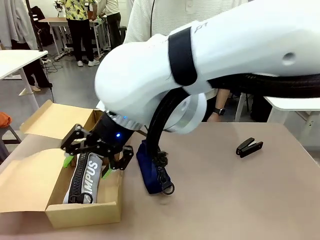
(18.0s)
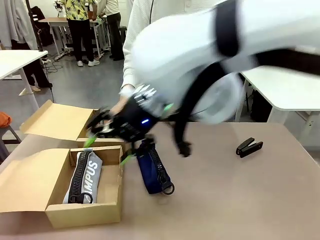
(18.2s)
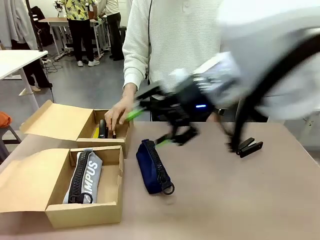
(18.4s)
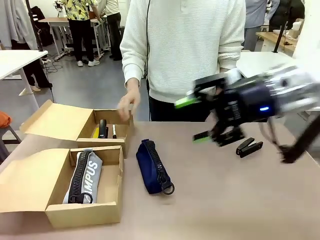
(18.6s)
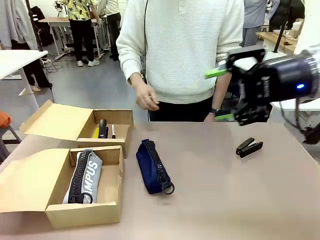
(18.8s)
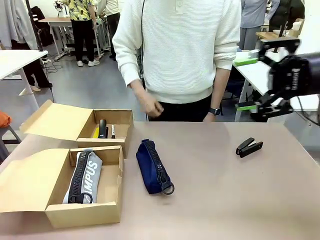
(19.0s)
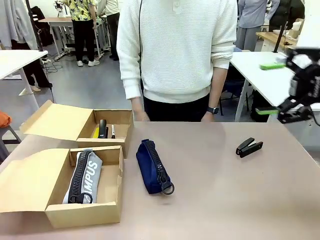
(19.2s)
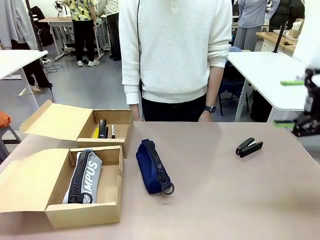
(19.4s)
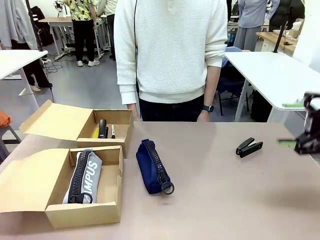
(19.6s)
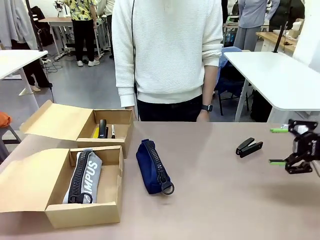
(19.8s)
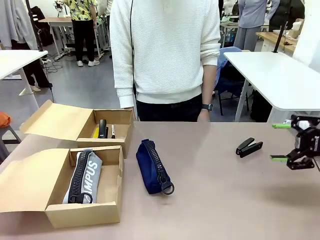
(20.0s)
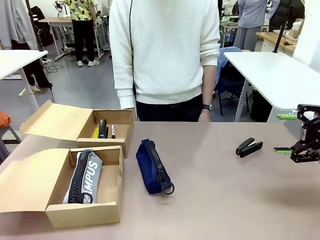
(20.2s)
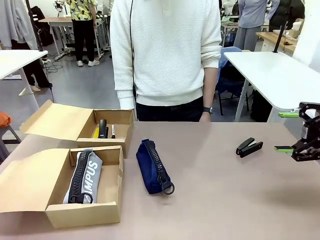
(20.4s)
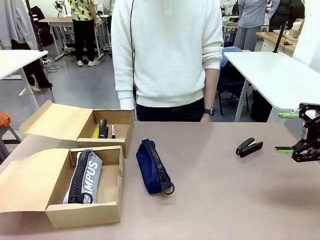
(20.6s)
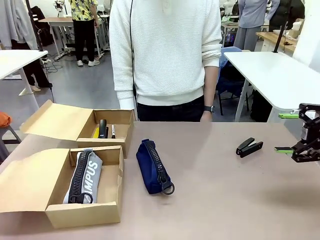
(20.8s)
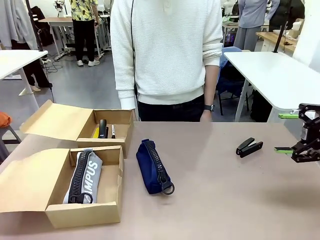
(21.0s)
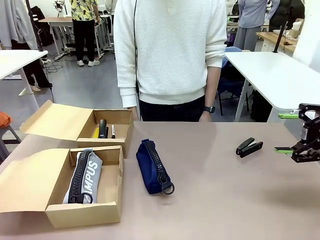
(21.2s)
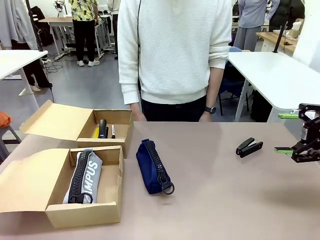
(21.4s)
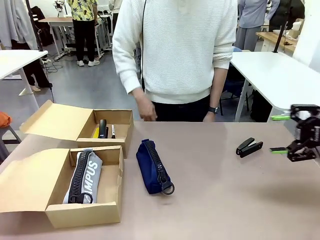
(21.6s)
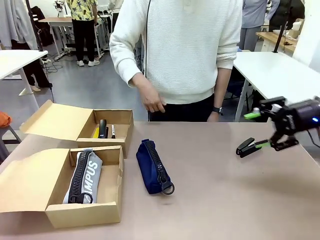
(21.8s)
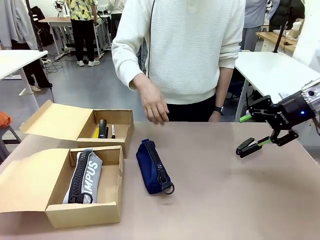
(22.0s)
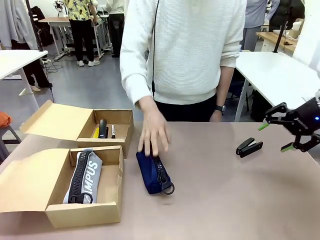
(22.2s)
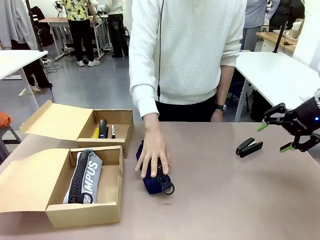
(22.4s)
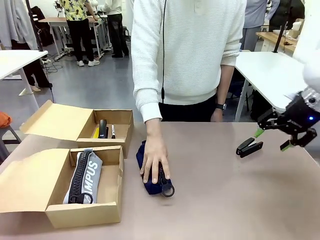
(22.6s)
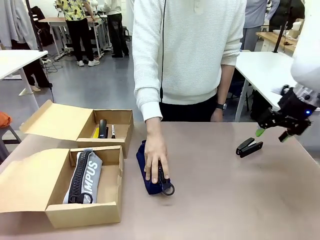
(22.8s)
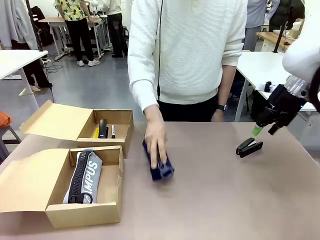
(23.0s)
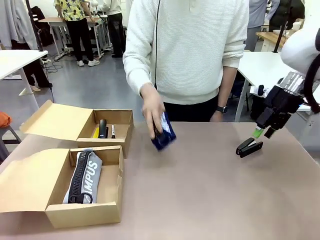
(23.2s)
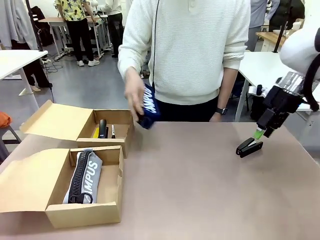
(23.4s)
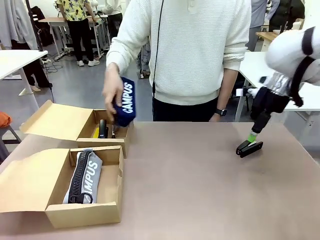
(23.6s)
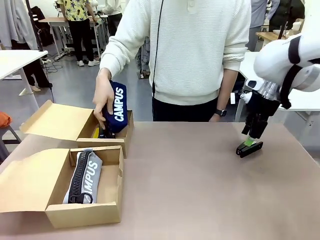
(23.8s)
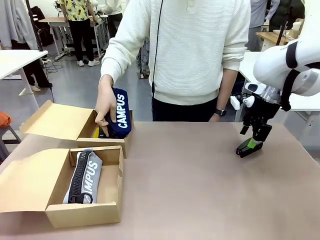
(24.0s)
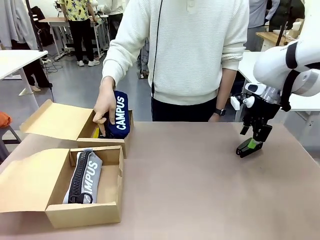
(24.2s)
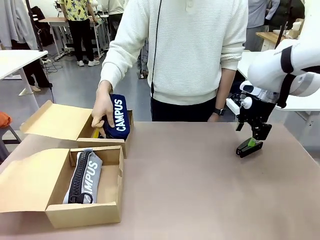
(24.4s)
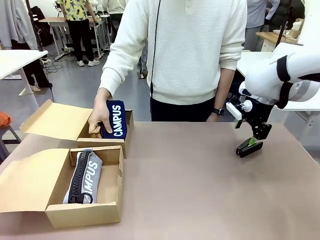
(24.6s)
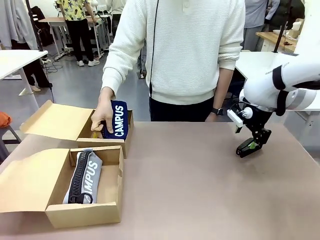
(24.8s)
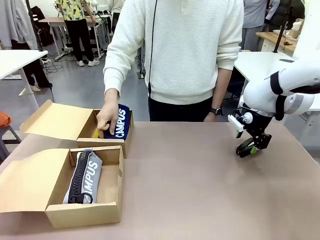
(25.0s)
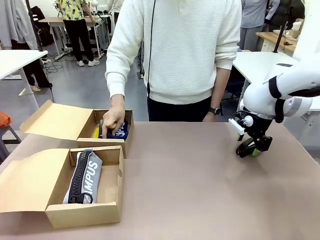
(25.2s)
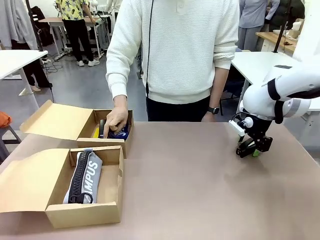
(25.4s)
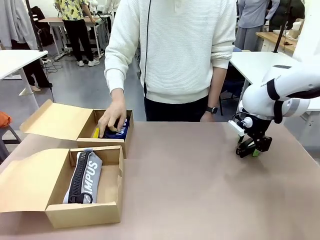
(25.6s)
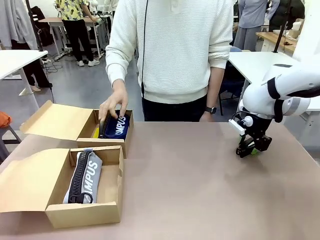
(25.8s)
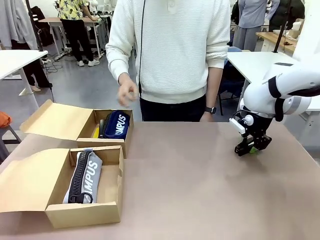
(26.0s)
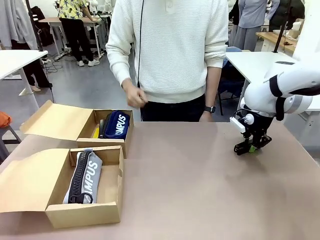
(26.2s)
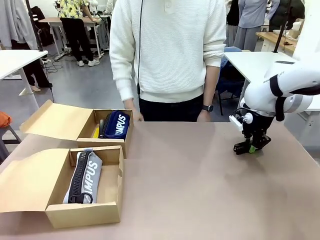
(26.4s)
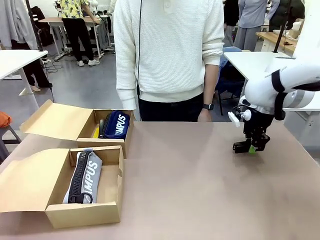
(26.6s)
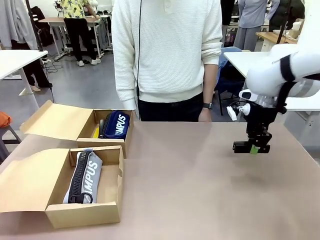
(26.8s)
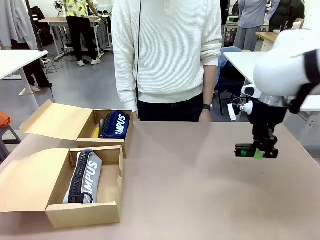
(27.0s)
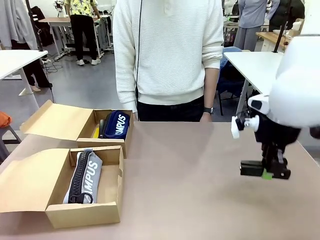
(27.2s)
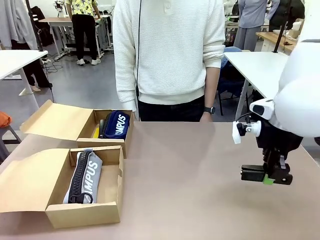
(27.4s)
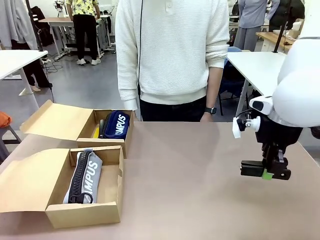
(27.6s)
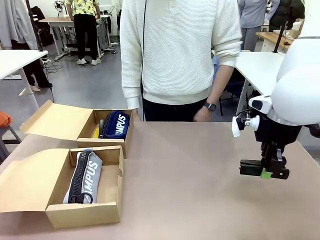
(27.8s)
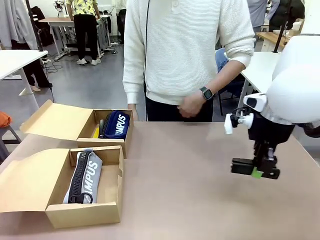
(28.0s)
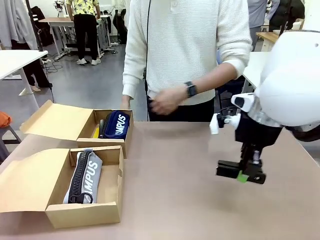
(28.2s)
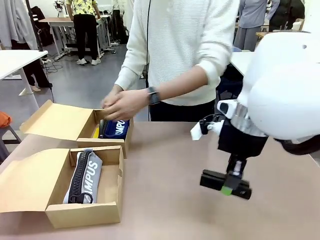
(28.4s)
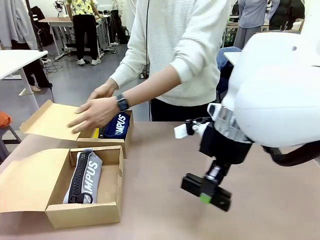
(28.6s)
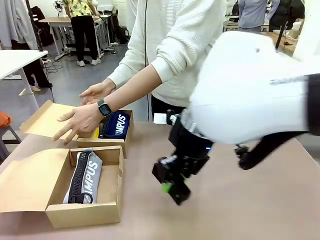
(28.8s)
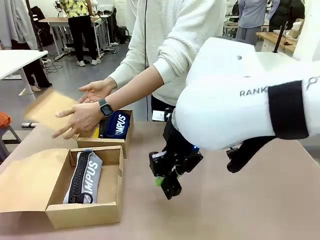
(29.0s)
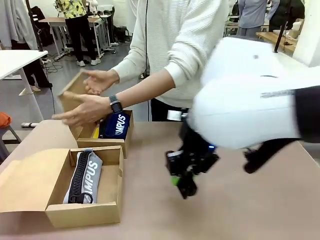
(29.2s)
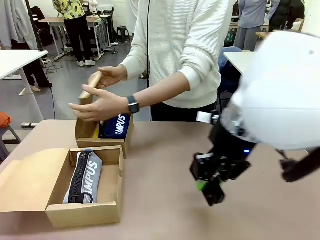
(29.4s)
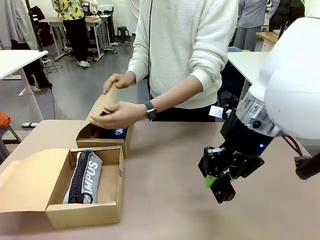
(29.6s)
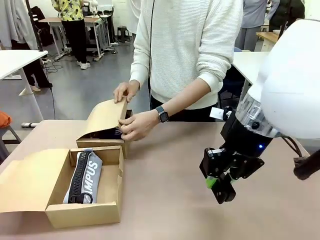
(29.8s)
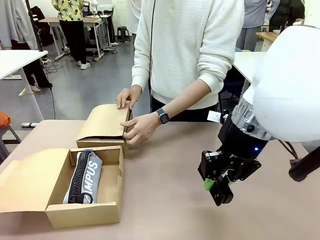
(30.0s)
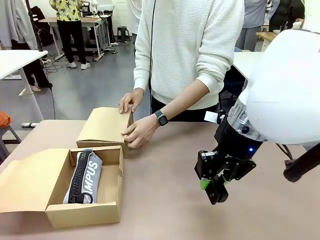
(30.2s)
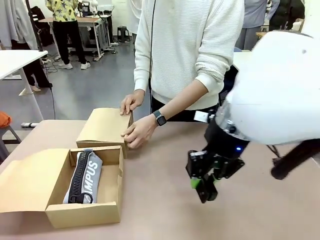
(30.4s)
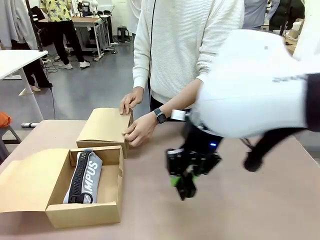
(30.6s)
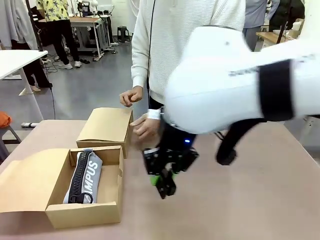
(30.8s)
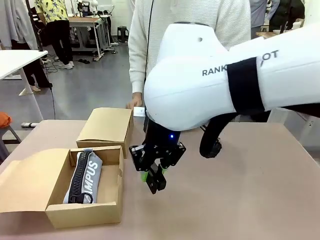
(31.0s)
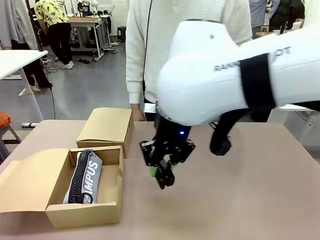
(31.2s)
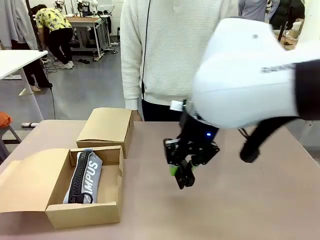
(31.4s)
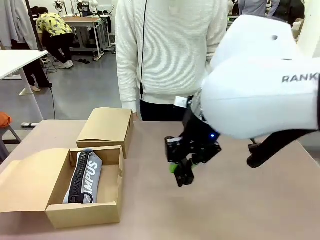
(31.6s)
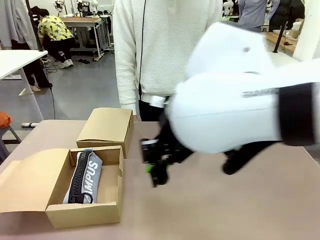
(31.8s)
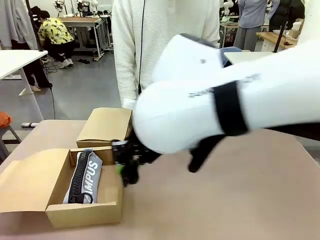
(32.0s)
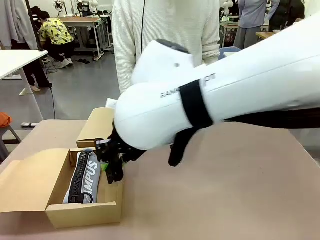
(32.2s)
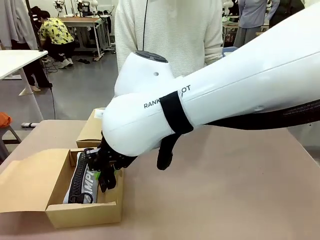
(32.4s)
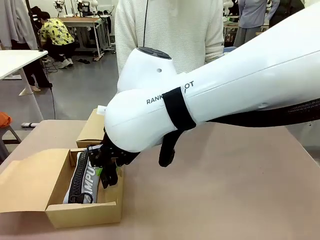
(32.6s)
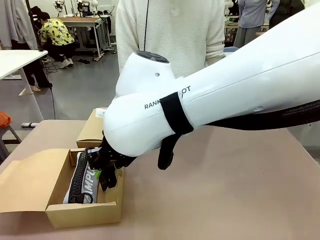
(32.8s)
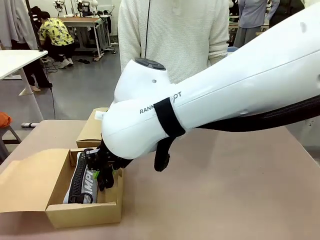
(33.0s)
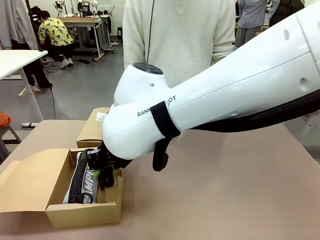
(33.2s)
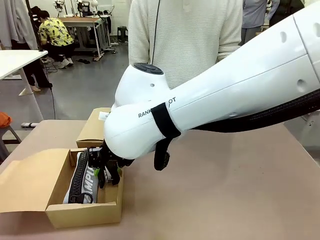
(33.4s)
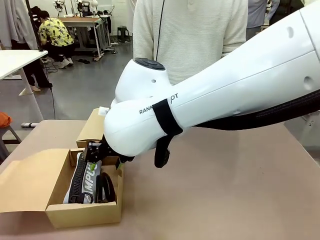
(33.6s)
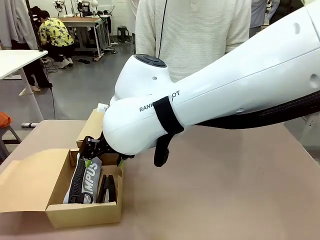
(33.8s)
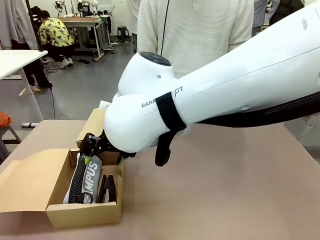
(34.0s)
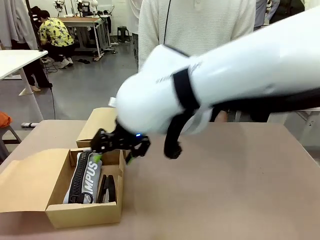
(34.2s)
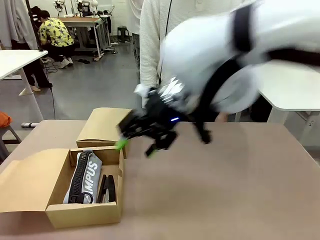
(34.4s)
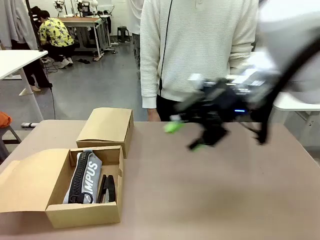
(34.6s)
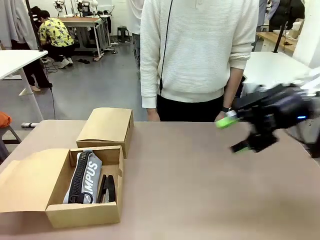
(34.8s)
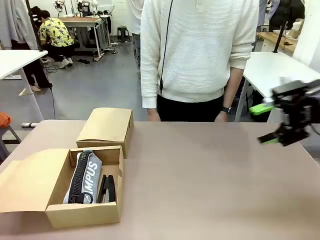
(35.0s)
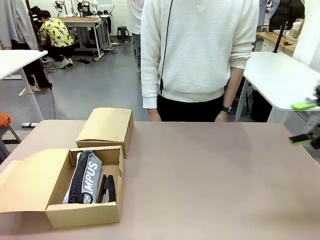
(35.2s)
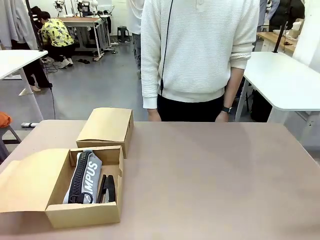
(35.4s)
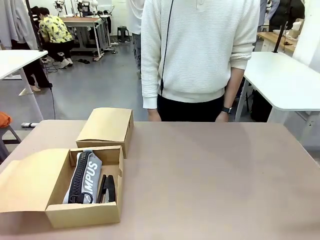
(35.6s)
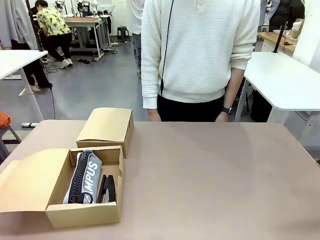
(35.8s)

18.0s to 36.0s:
Task: Place items inside the box.
Robot: Pick up a Pencil pouch or Stapler and place it inside the Mailer Box closest to the robot.

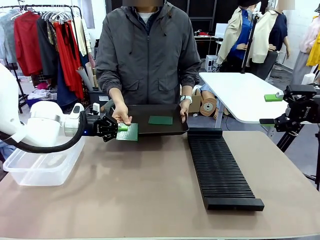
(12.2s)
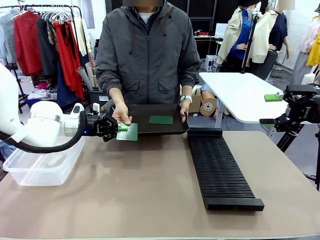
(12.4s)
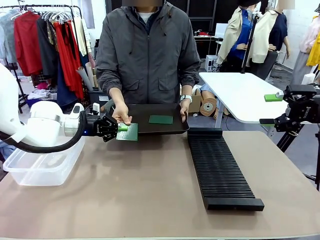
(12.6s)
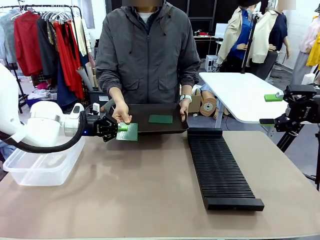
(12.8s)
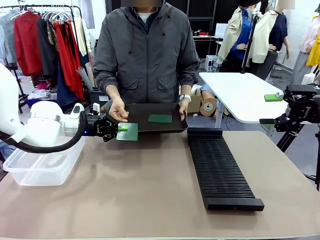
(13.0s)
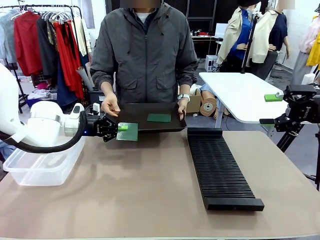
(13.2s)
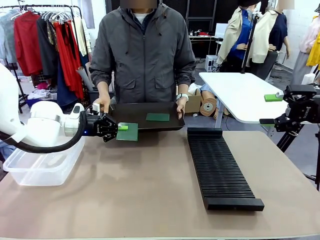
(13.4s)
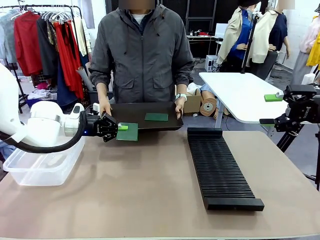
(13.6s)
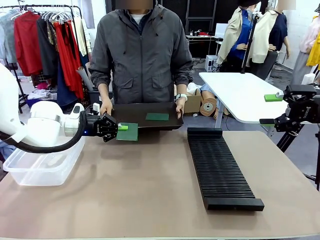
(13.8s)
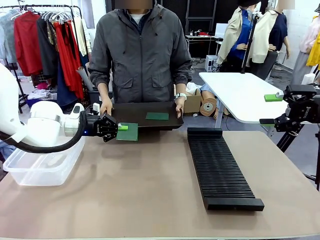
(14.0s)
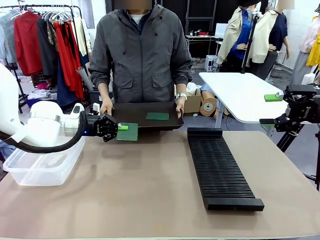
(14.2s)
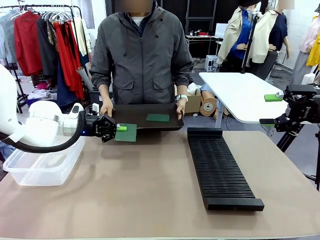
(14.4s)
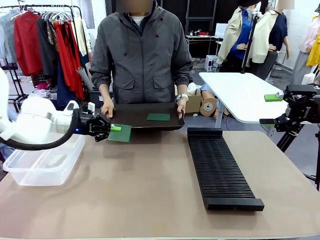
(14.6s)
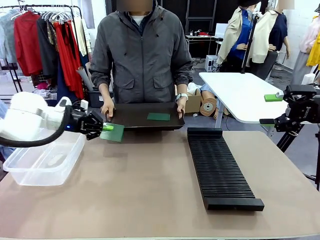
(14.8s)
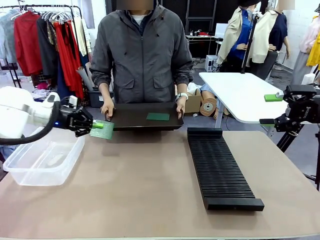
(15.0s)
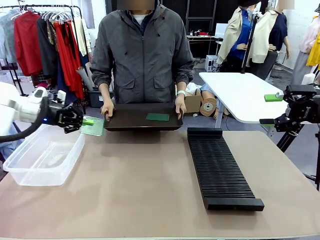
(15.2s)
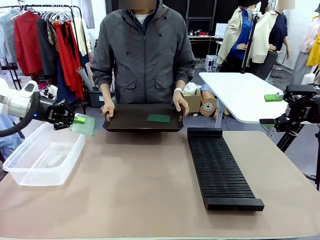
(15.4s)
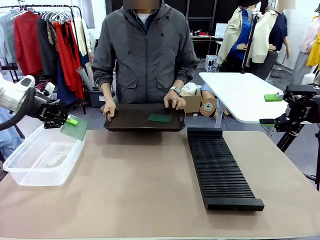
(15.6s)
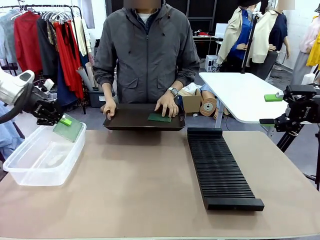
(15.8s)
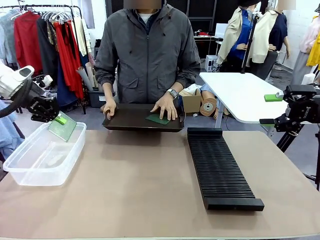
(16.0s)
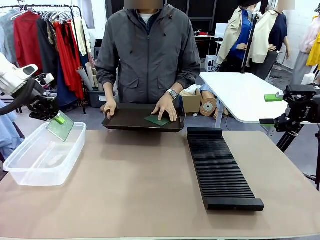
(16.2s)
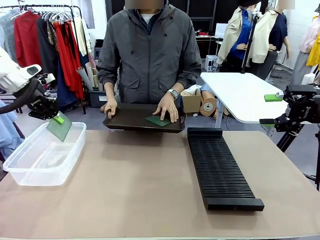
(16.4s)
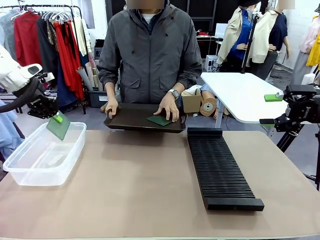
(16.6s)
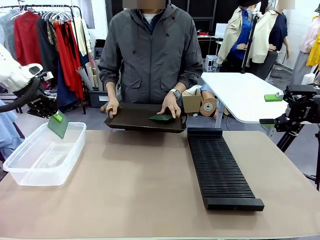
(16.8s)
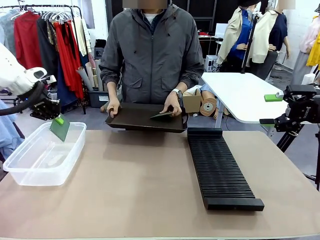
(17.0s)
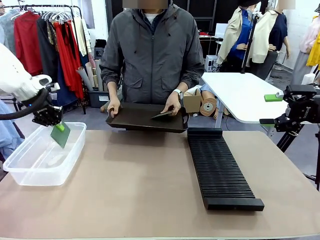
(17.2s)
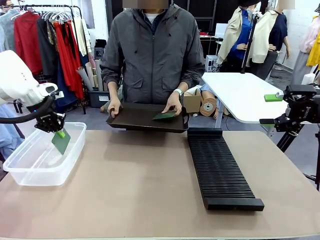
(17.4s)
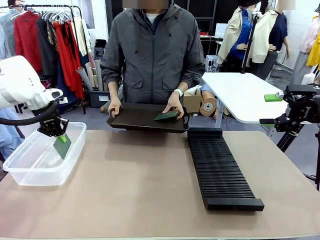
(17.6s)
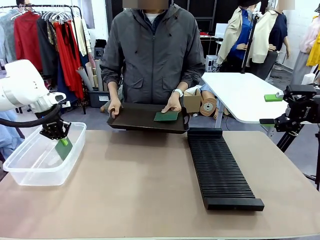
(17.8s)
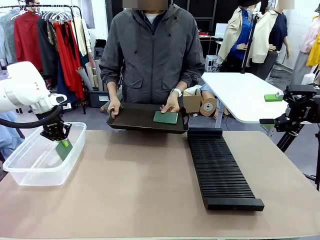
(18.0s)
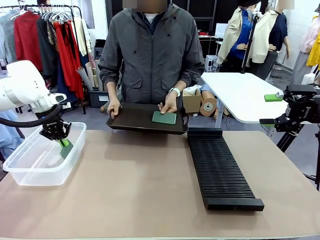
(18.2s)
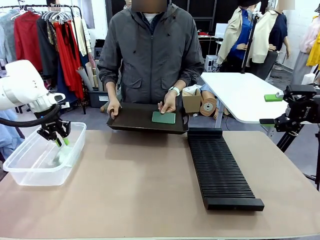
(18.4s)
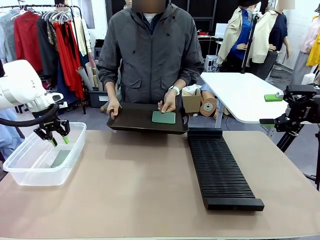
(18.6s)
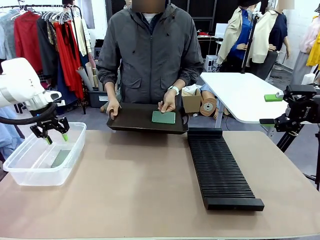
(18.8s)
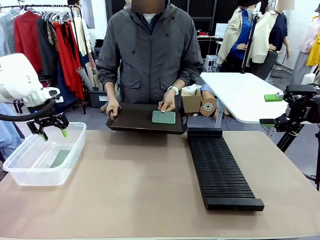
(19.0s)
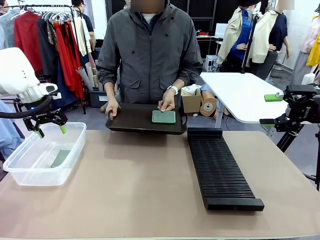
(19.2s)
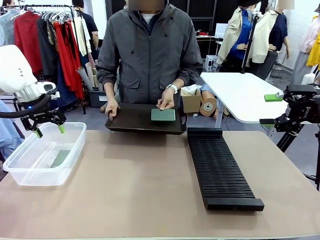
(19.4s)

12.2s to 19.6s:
Task: Sort PCBs into racks and boxes based on the side picked up.
Robot: If the short side of the Blank PCB is picked up, insert it into the PCB Rack ; if the long side is picked up, place it in the Organizing box.
Person: Pick one PCB from the tray and present it to the robot.
